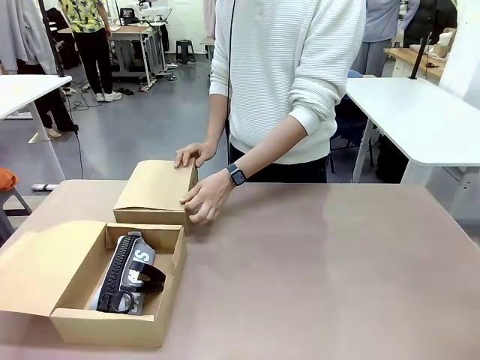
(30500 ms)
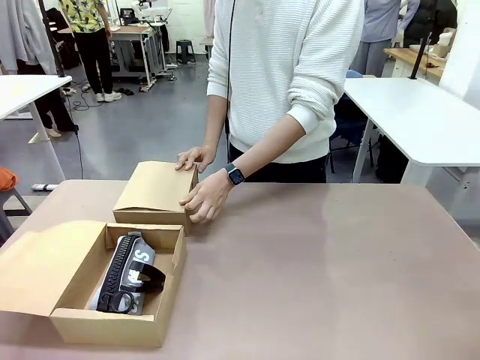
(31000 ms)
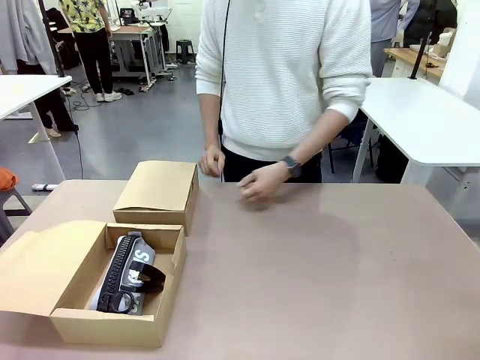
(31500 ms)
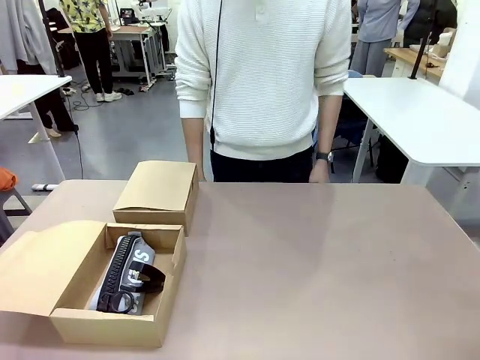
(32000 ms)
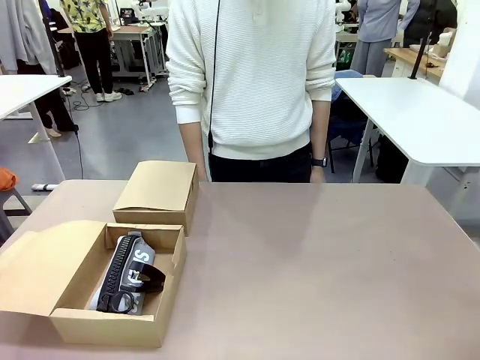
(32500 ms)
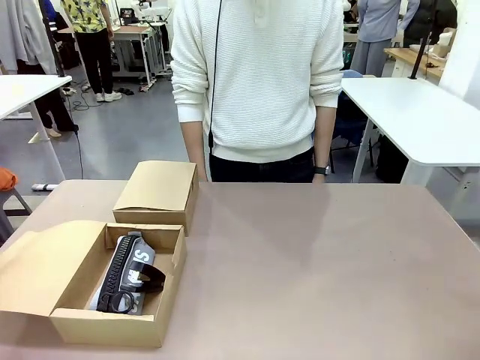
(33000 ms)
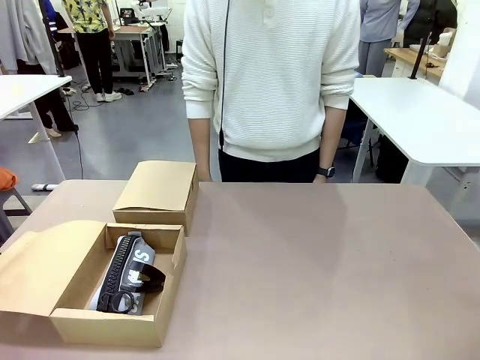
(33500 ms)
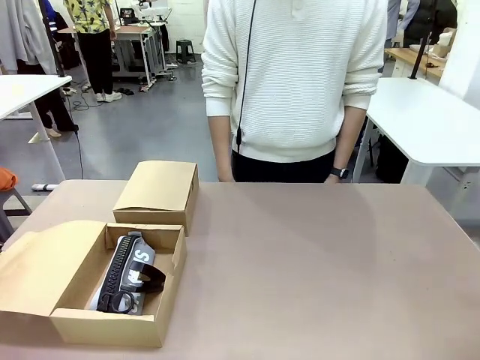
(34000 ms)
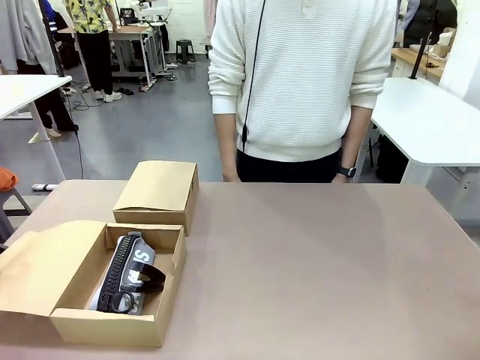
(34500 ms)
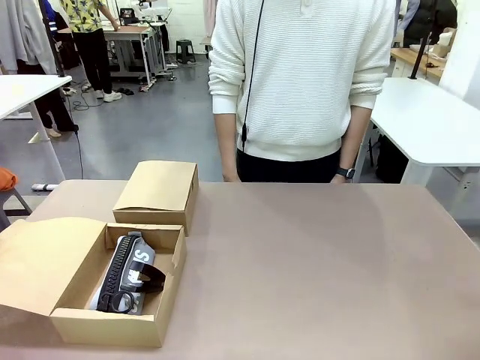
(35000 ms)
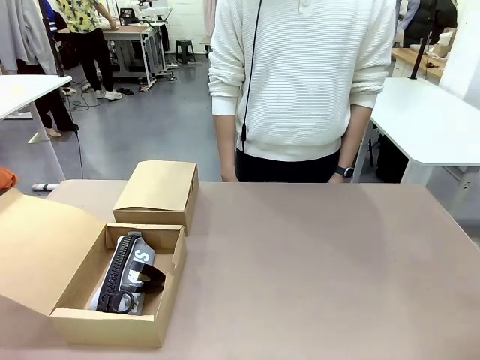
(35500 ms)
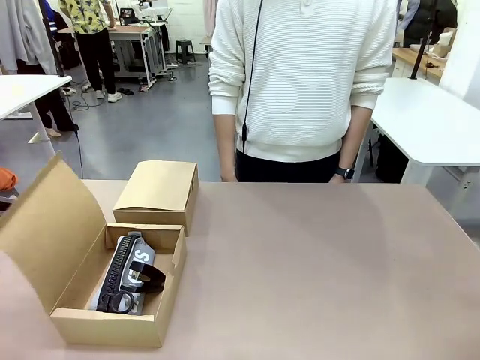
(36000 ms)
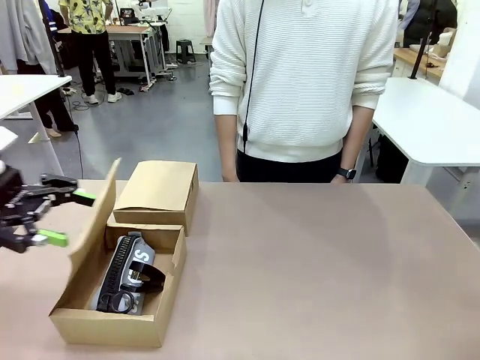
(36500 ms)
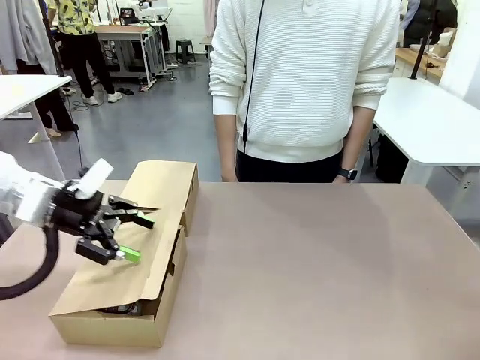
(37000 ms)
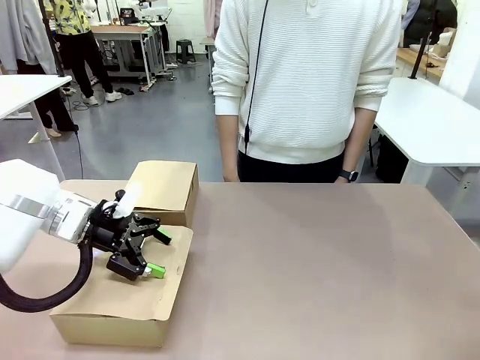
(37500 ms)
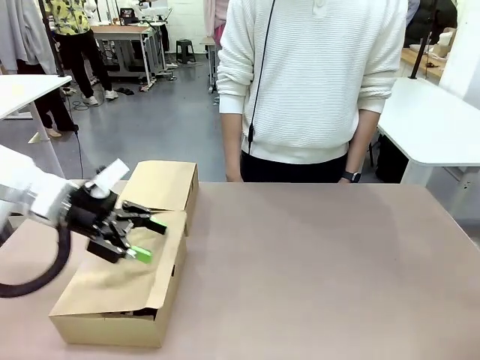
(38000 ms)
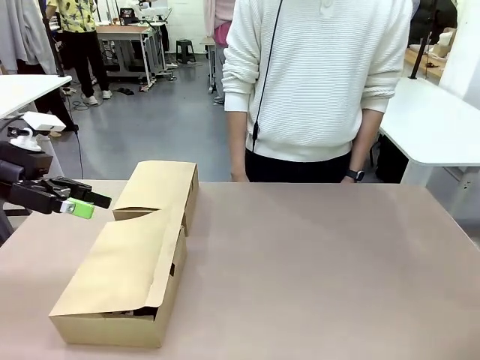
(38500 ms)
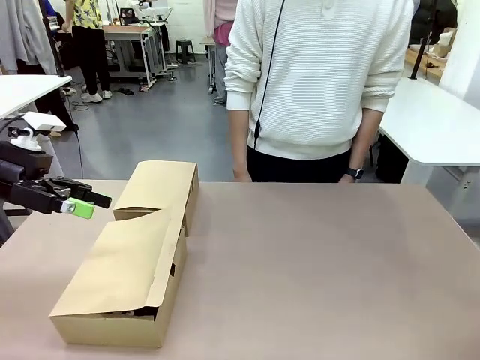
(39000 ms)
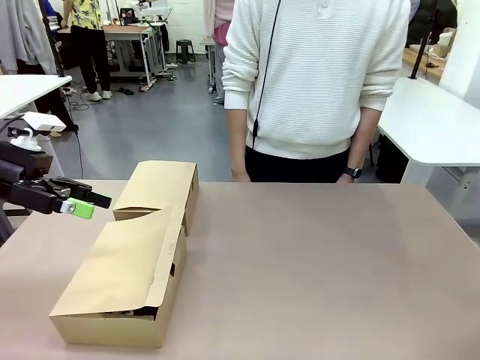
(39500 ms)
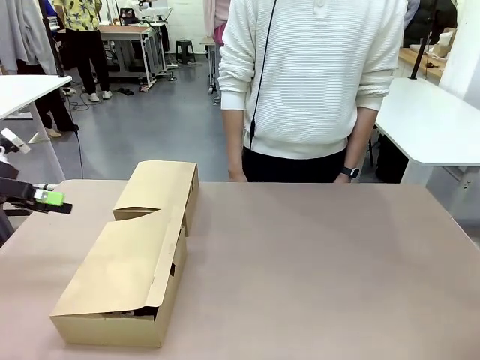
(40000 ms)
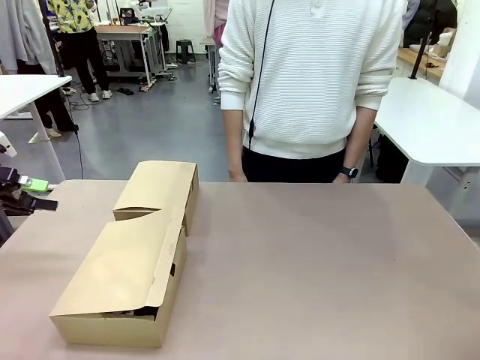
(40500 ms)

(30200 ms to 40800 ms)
Task: Place items inside the box.
Robot: Close the lid of the Mailer Box closest to the robot.
Person: Close the lid of the box facing the person.

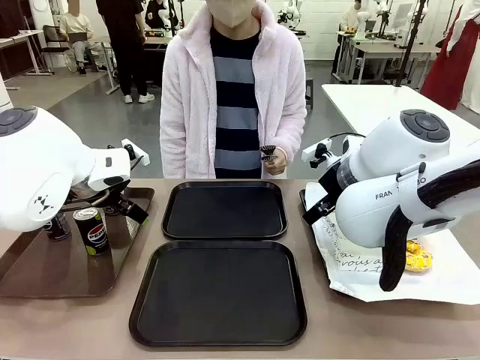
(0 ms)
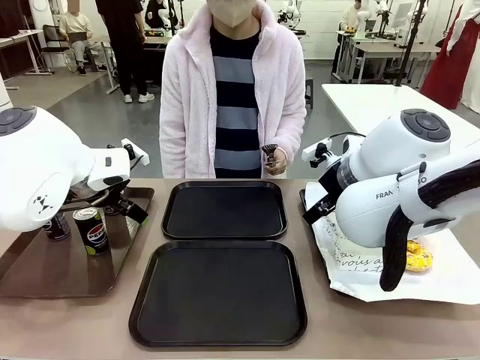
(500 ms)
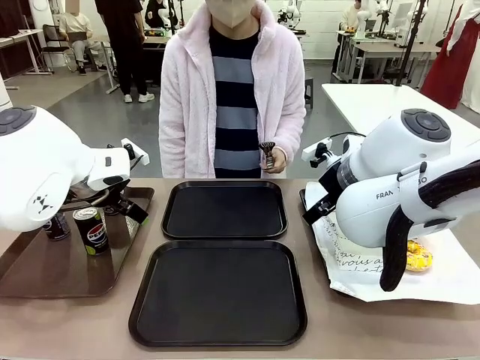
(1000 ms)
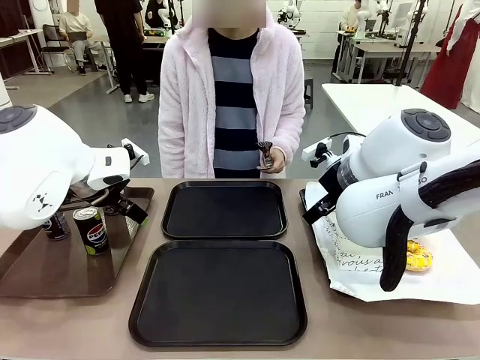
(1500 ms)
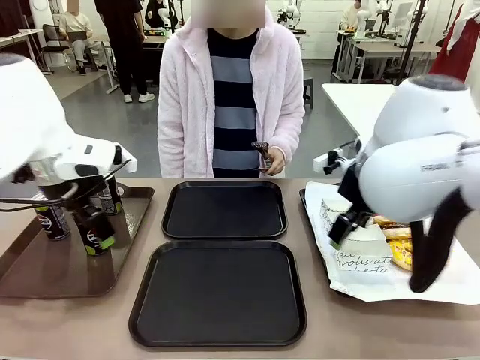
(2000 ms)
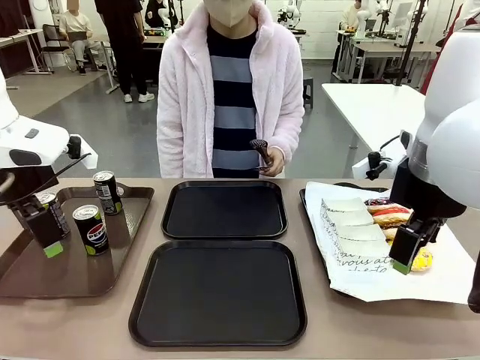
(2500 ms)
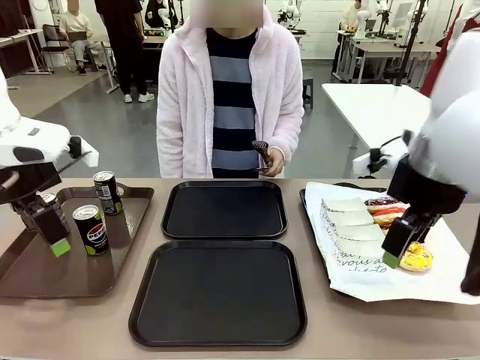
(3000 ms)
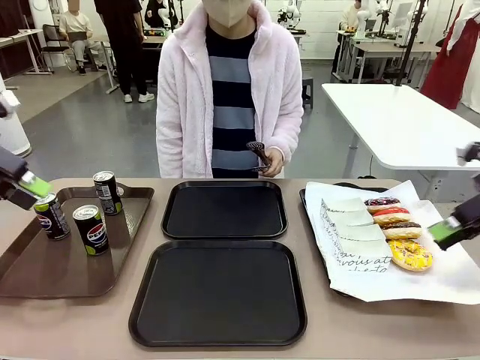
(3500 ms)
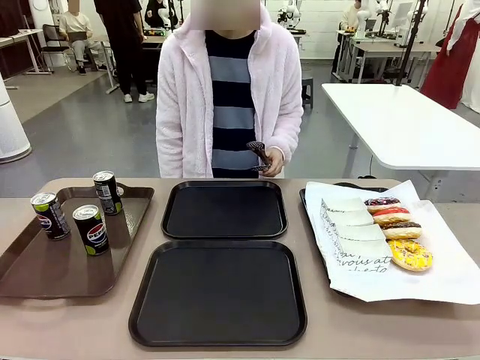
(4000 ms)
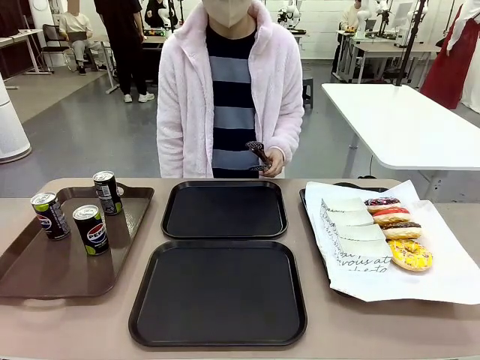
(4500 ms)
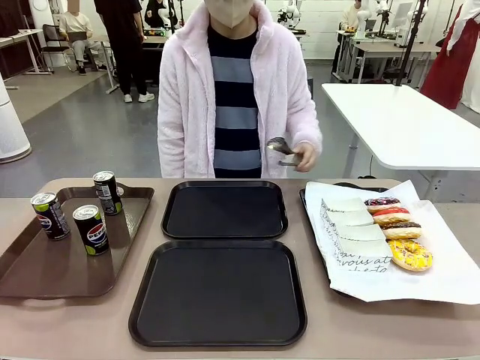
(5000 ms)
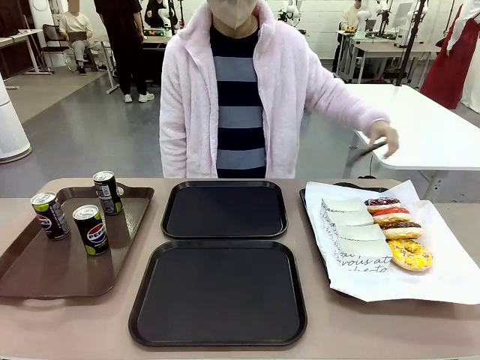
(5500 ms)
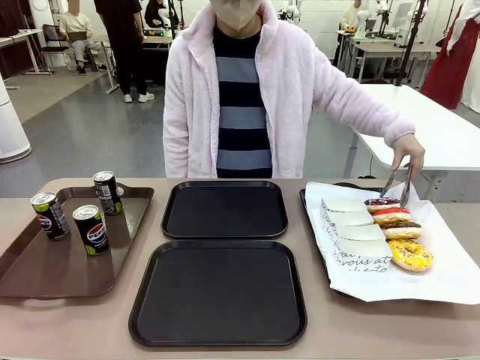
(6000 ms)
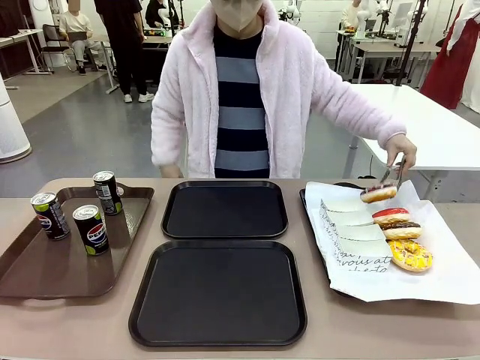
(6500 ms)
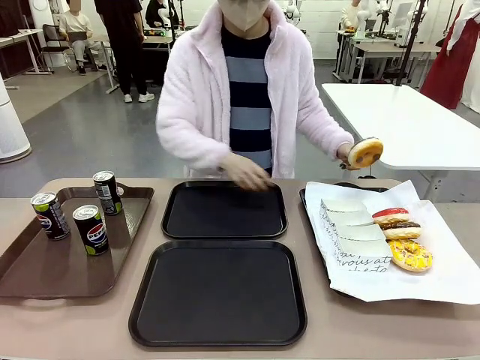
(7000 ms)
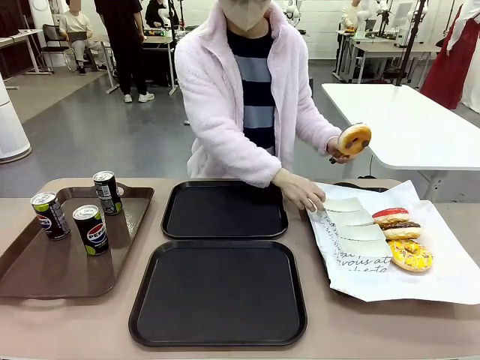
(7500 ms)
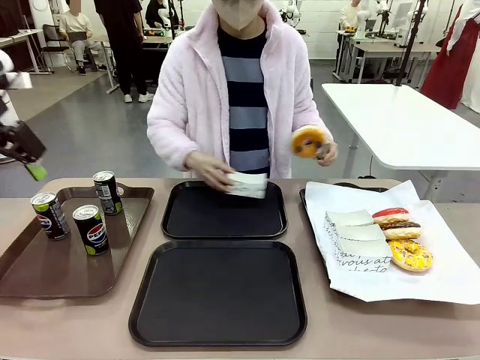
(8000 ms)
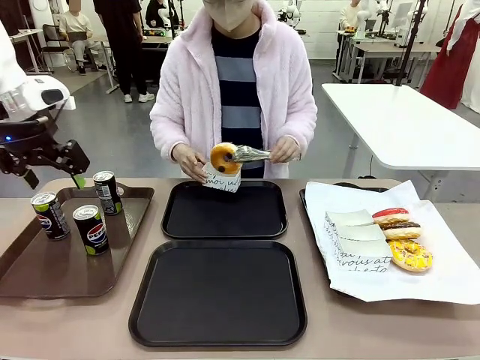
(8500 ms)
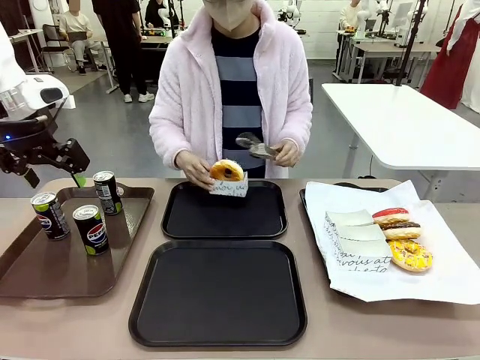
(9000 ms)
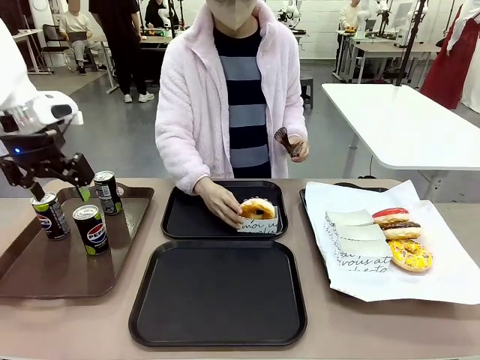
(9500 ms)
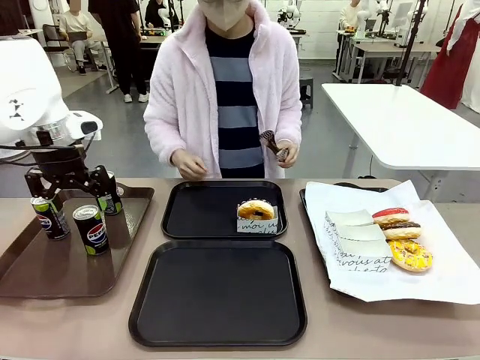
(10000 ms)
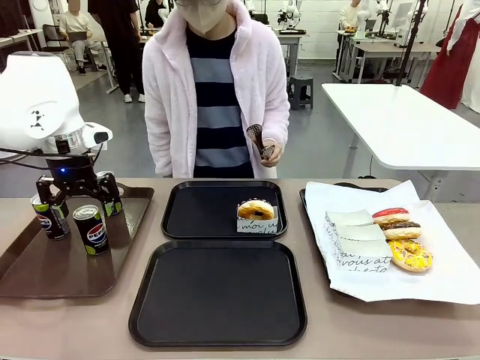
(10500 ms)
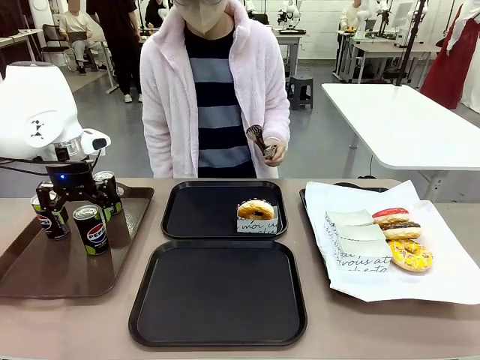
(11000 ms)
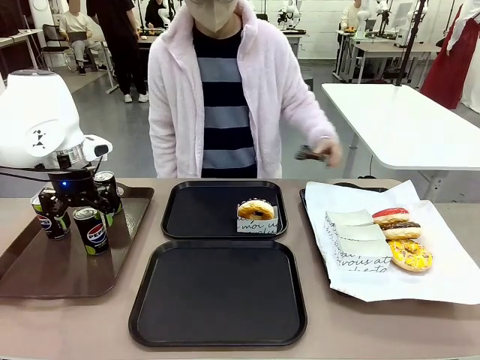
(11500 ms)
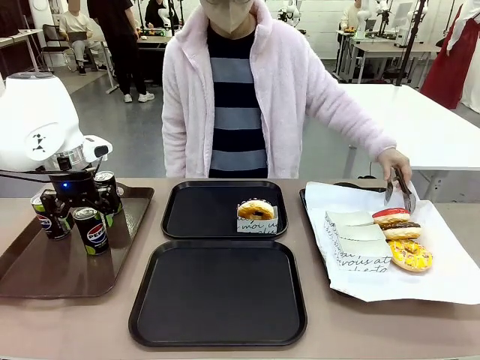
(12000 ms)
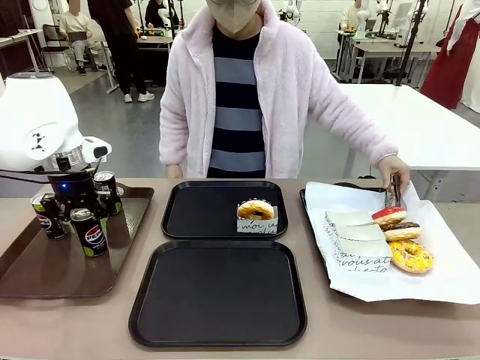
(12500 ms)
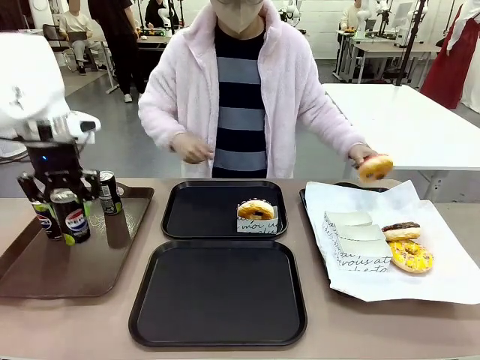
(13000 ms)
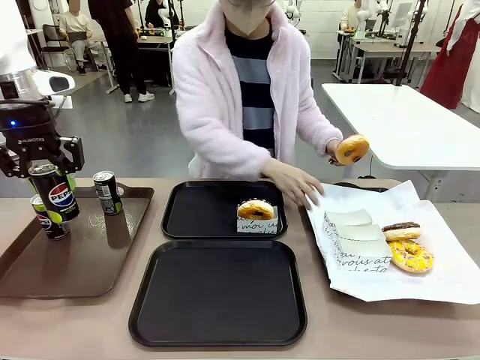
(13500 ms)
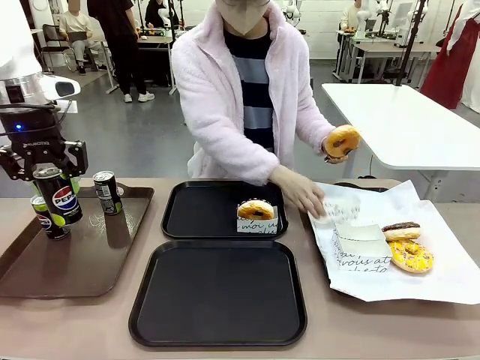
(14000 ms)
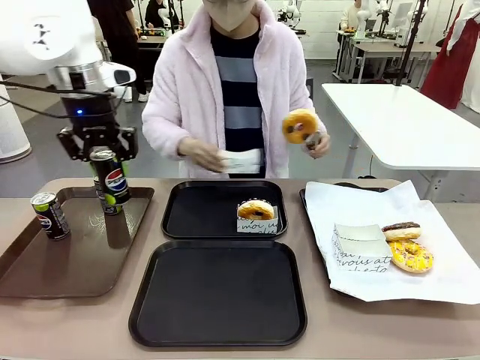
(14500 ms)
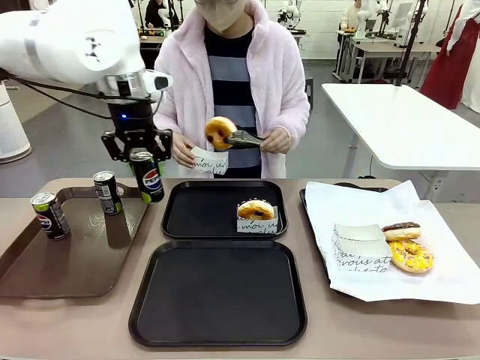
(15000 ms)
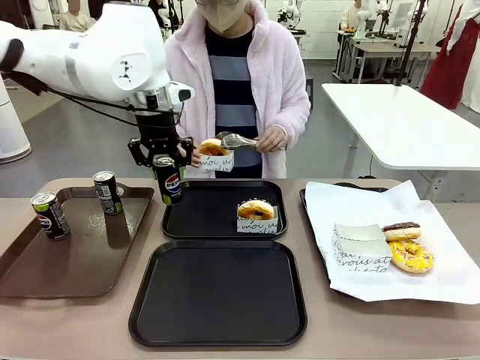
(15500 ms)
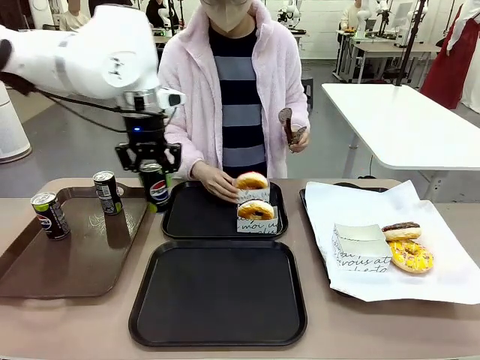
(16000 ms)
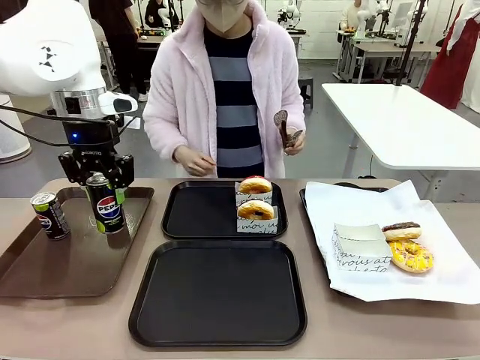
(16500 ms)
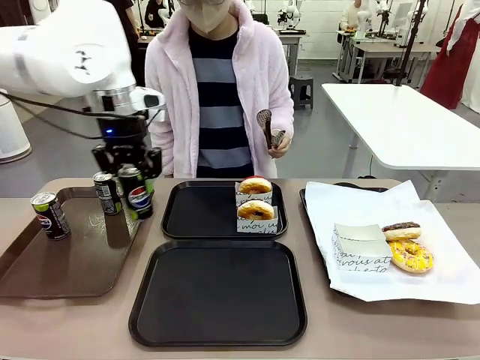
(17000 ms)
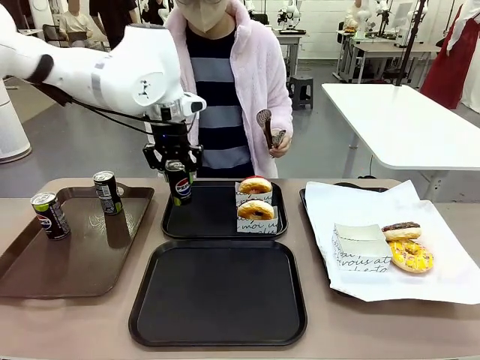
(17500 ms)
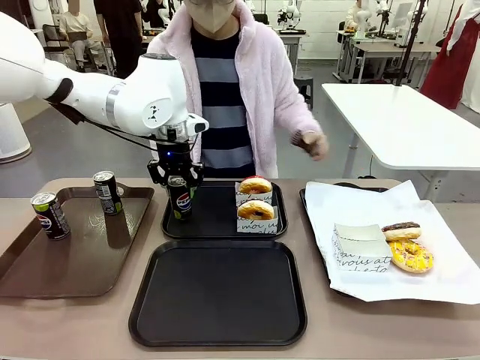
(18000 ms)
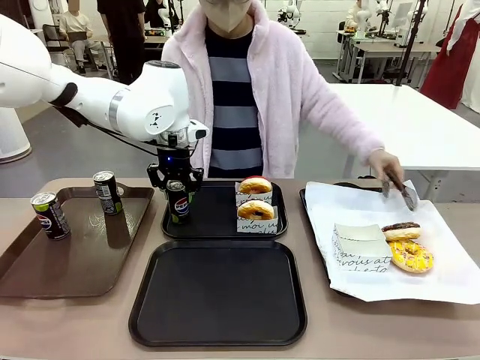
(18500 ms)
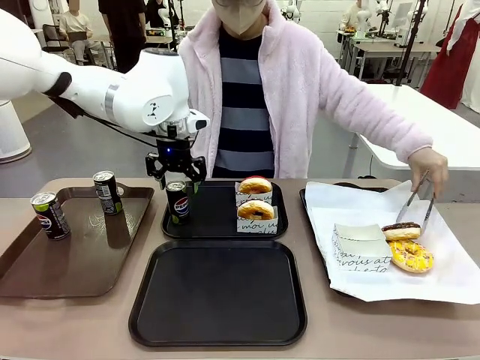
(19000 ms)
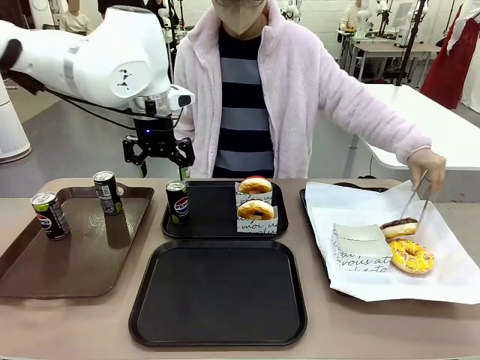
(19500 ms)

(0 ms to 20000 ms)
Task: Set up donuts and drinks on trays.
Robot: Pick up one Pepsi coke and place it on the Flat Tray.
Person: Pick up one donut with tongs, place it in the donut tray, and then place the donut tray on the flat tray.
